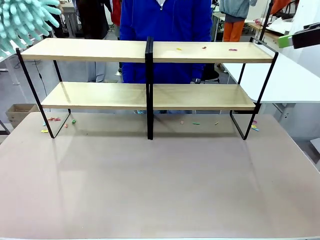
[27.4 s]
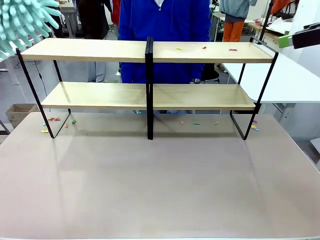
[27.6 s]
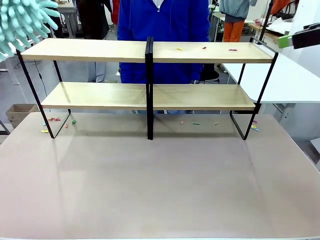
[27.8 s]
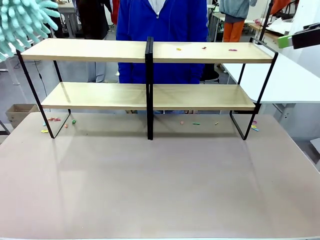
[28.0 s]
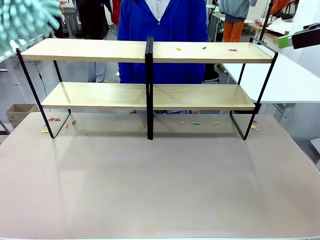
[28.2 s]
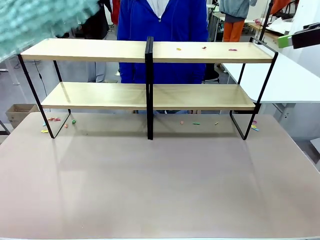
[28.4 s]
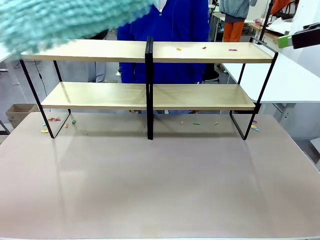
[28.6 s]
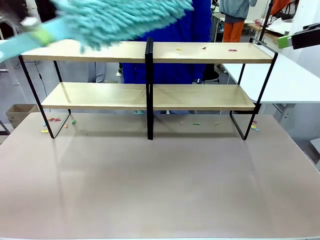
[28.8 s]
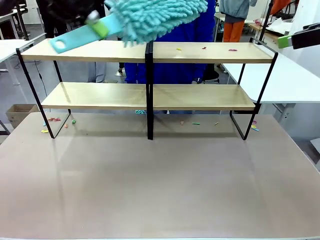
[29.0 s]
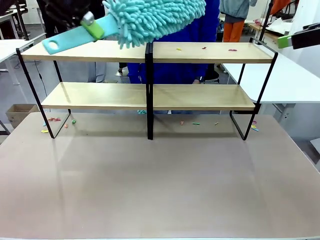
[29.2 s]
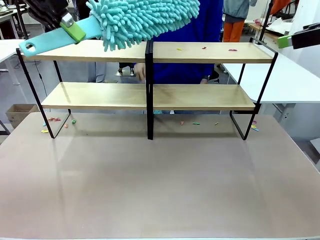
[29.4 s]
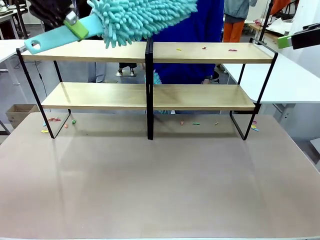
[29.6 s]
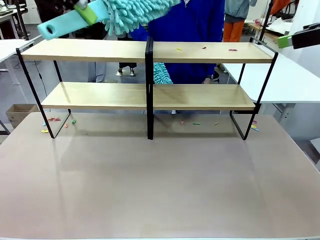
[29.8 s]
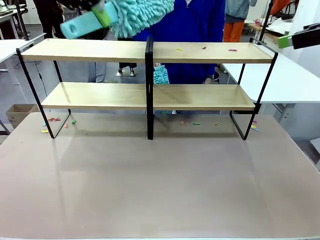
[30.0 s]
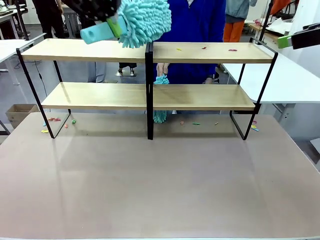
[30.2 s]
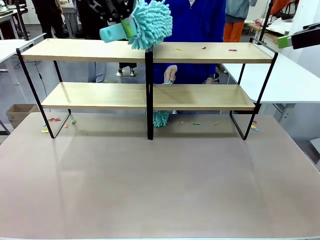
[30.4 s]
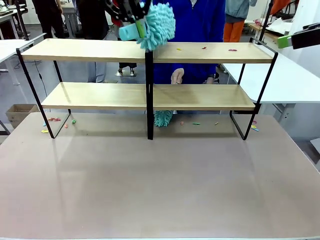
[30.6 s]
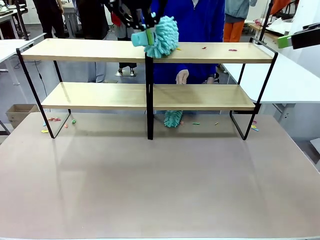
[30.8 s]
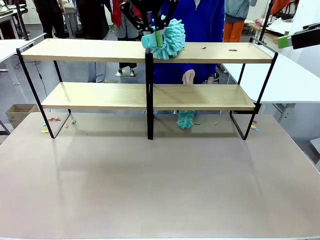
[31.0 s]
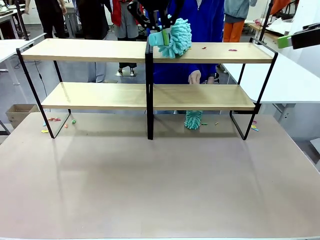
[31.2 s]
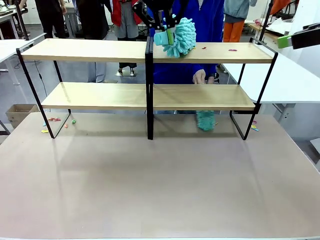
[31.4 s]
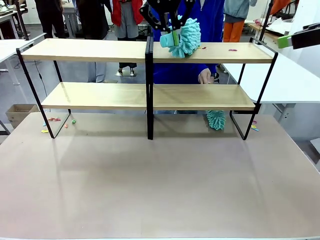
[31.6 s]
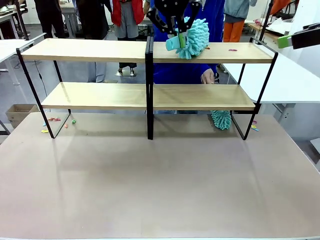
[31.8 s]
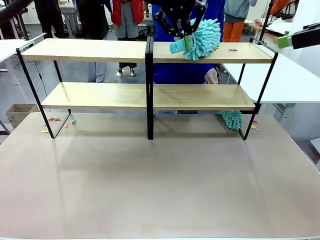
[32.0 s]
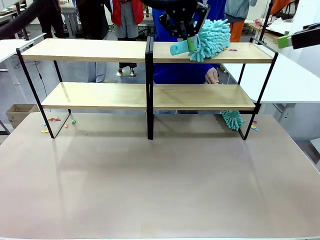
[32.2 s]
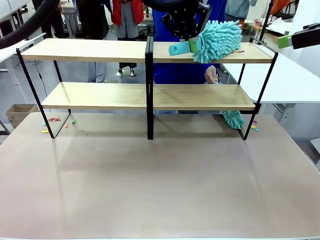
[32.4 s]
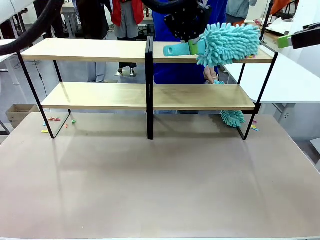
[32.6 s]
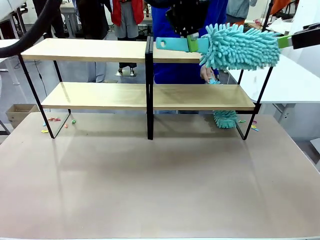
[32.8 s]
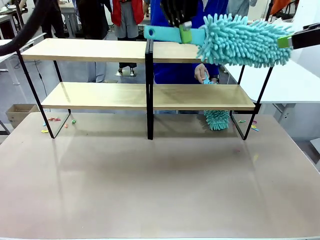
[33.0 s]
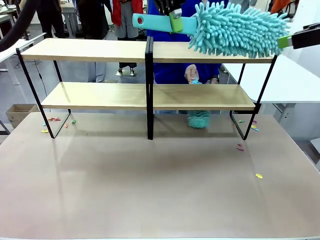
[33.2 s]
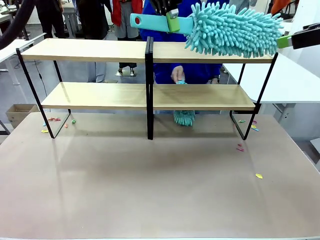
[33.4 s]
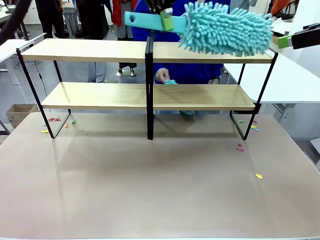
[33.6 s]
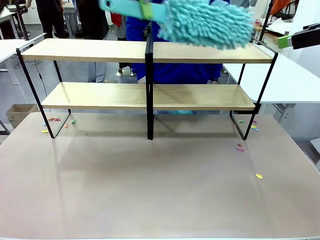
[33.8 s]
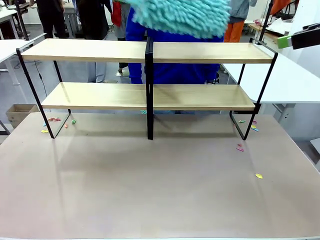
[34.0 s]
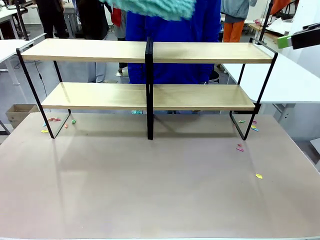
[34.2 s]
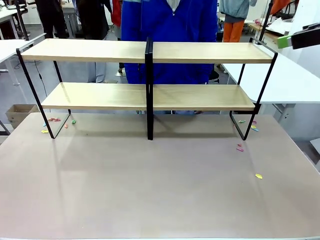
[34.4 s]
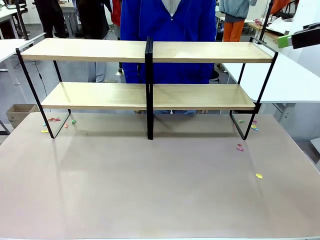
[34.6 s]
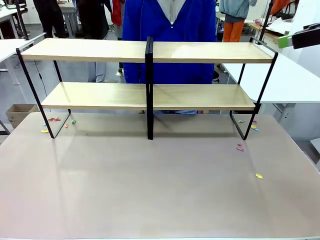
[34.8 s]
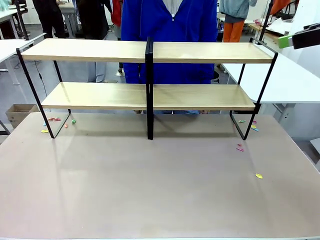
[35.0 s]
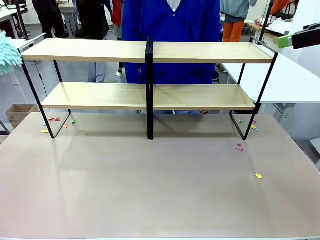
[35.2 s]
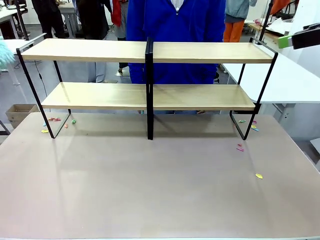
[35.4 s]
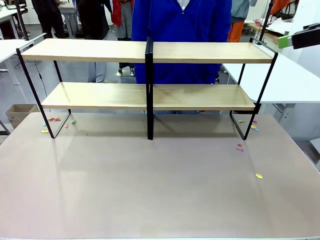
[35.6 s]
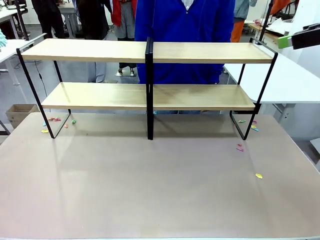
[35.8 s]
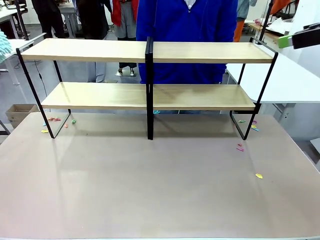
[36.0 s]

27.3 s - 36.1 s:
Task: Clean the shelves.
Robot: Clean another randomly selected level of the Shelf with the Duster.

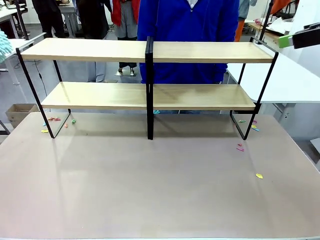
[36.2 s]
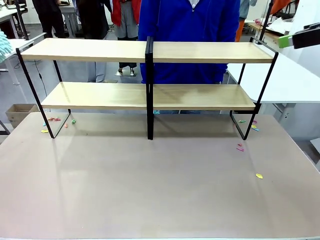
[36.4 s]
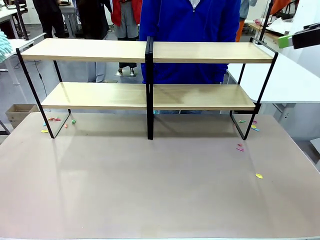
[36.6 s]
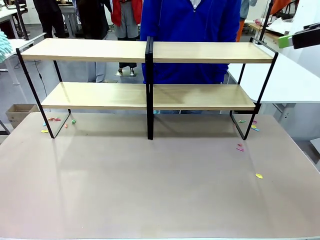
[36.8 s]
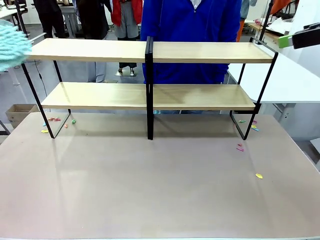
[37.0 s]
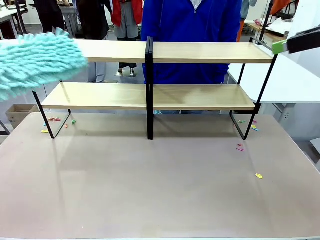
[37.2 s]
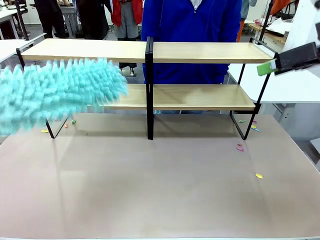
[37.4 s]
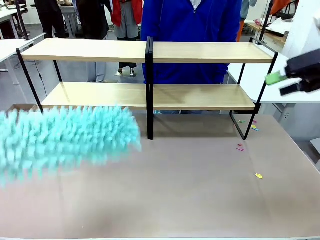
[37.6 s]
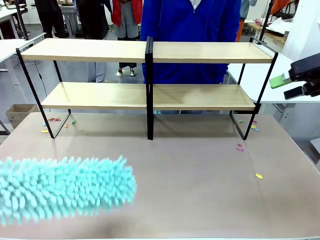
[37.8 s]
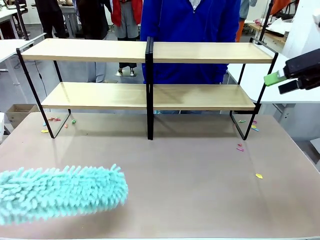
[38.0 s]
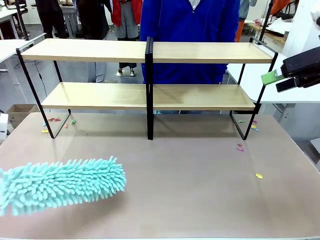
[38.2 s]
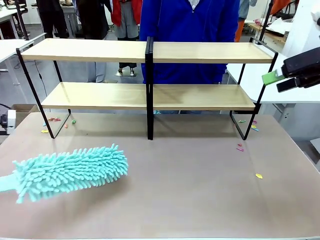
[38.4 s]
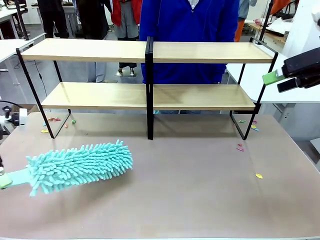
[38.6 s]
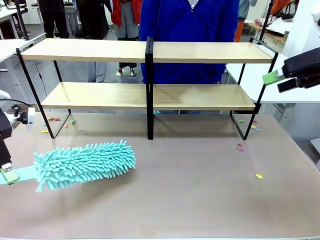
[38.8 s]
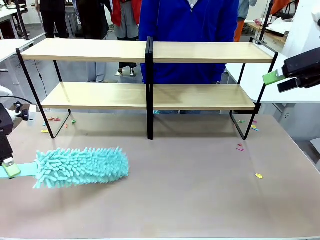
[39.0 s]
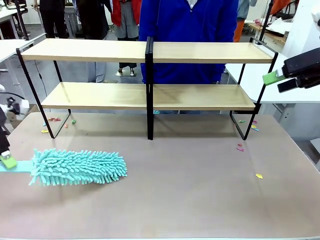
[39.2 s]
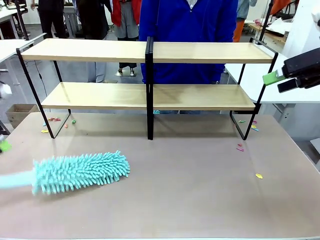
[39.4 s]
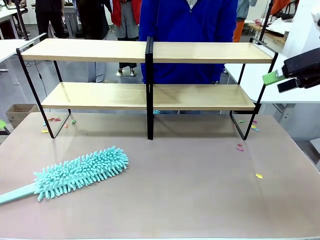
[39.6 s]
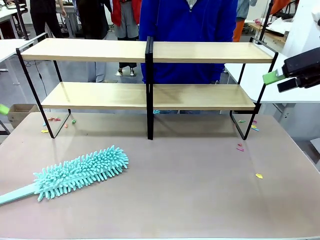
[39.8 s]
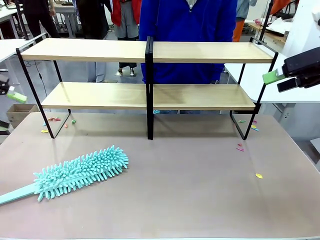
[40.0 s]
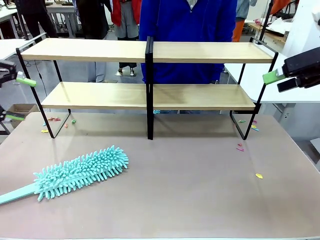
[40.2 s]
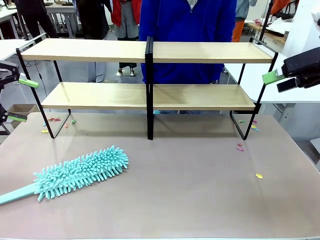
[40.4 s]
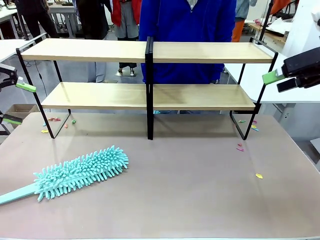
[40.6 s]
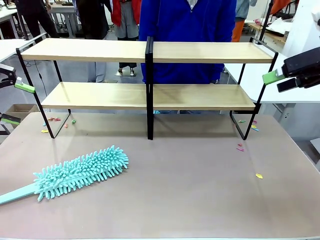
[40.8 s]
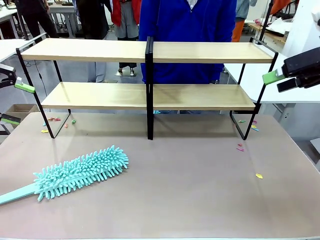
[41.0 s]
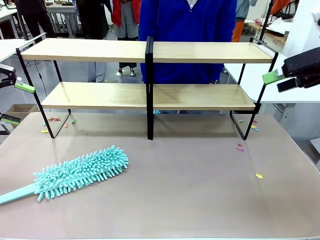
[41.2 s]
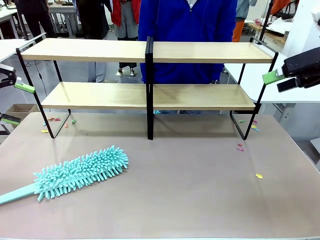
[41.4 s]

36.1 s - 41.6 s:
Robot: Place the Duster on the table.
